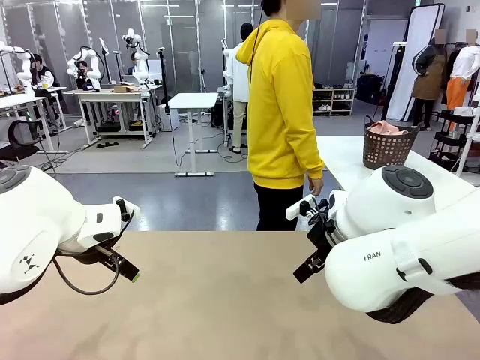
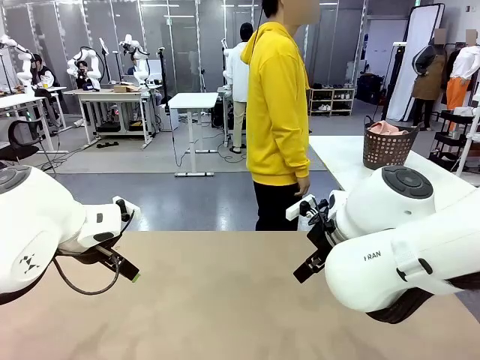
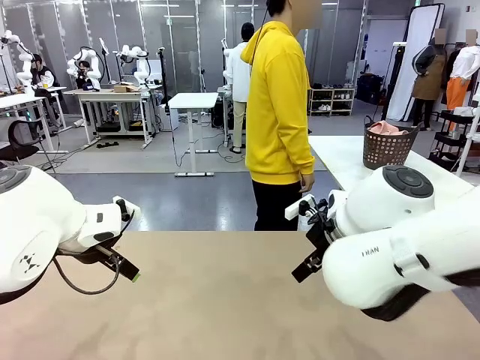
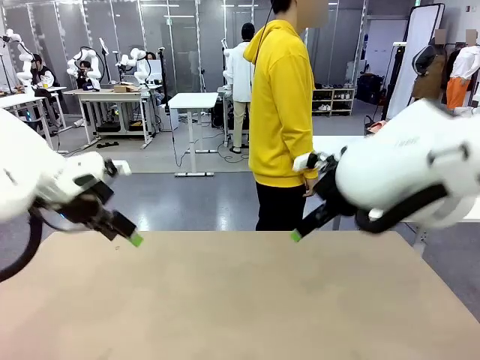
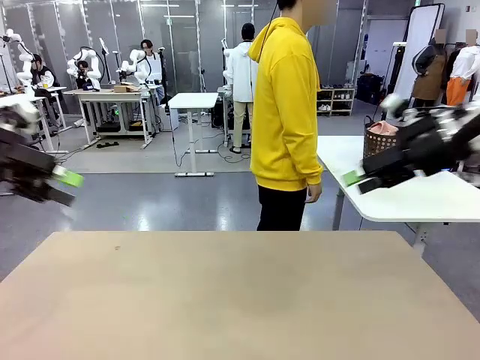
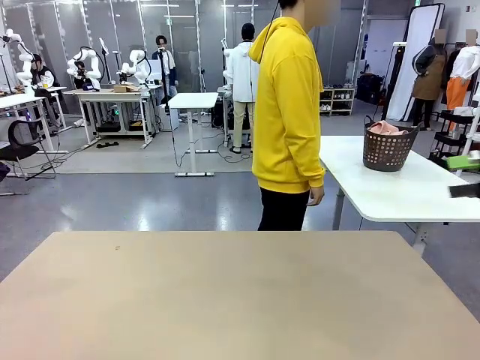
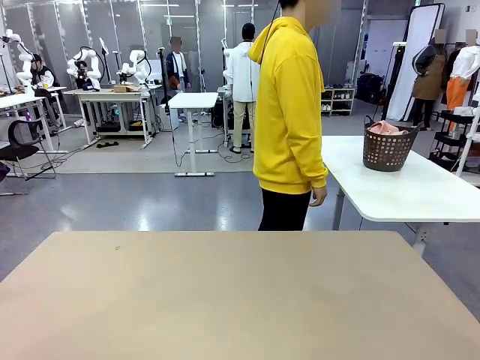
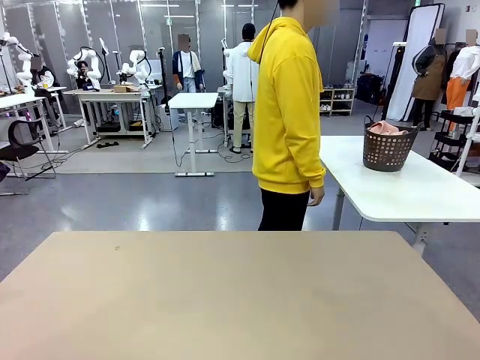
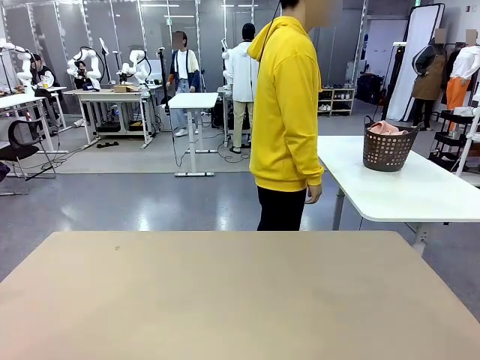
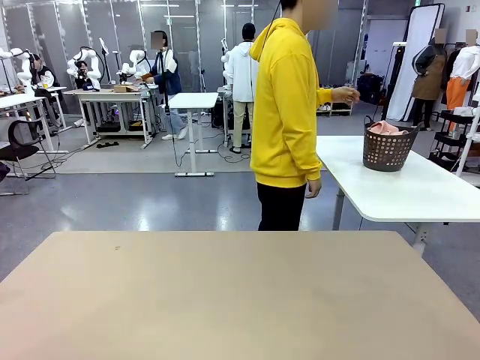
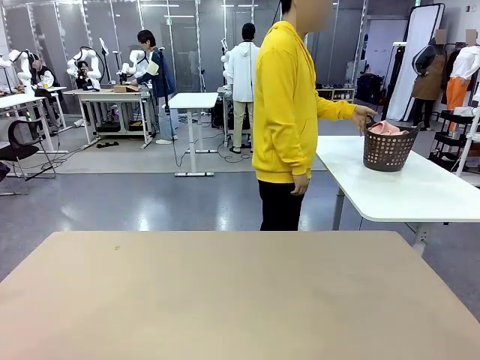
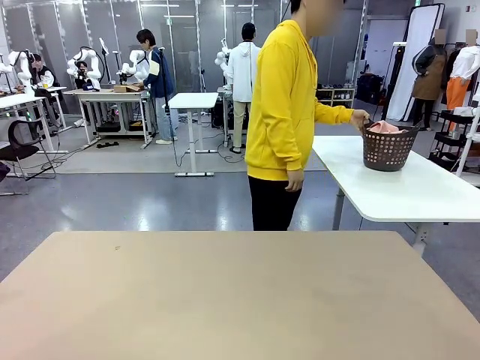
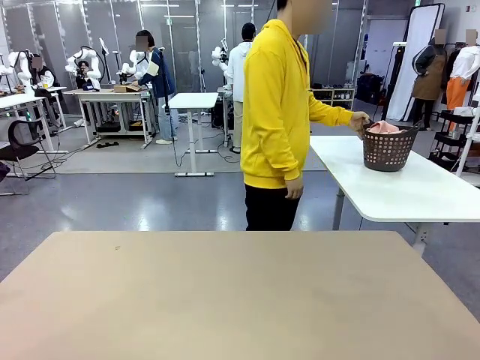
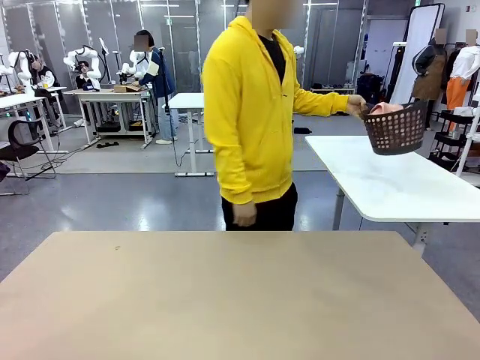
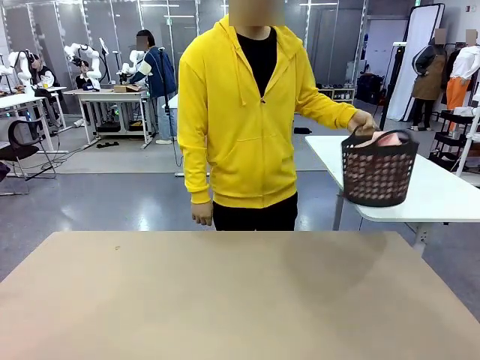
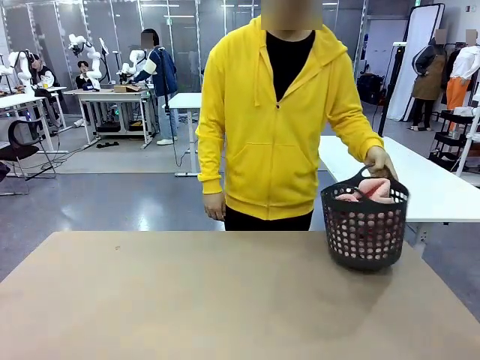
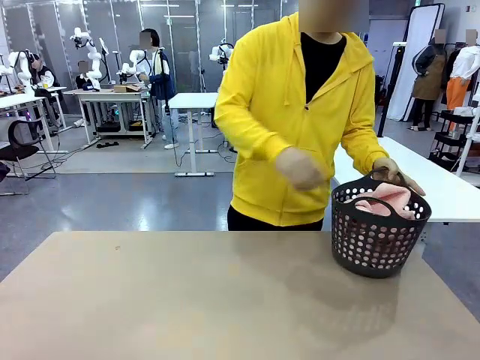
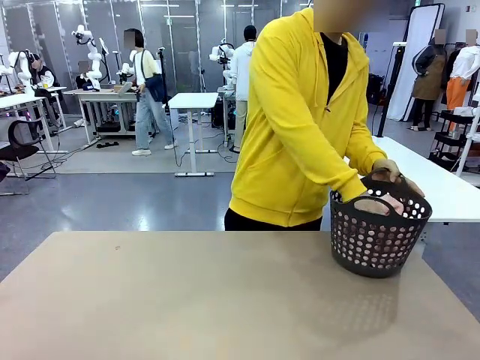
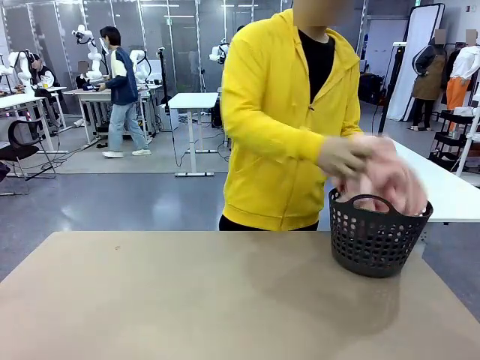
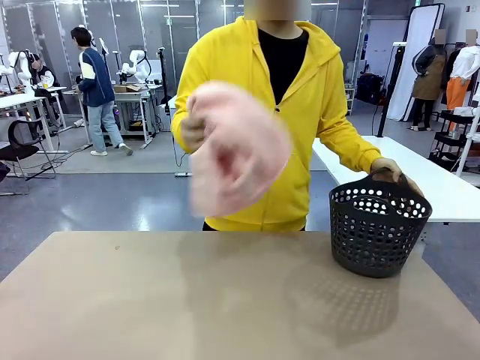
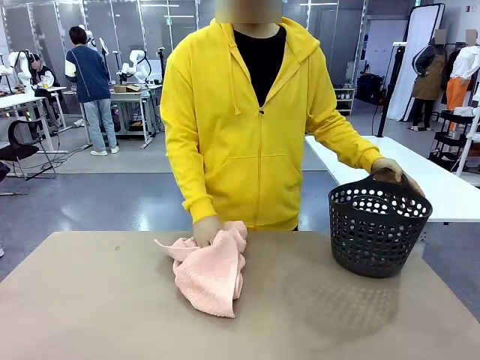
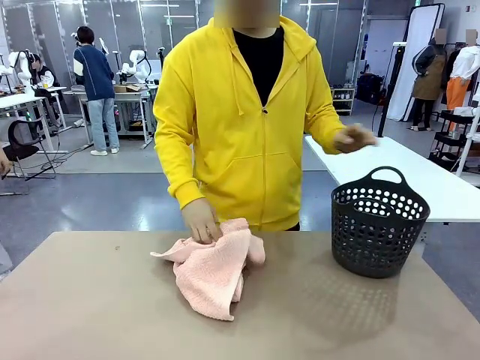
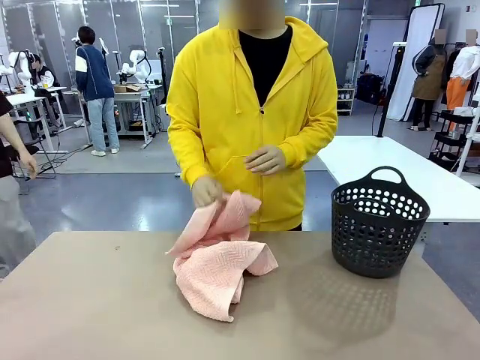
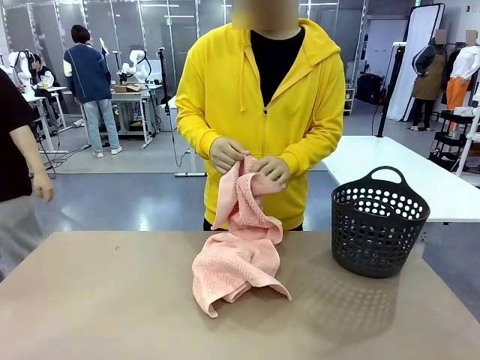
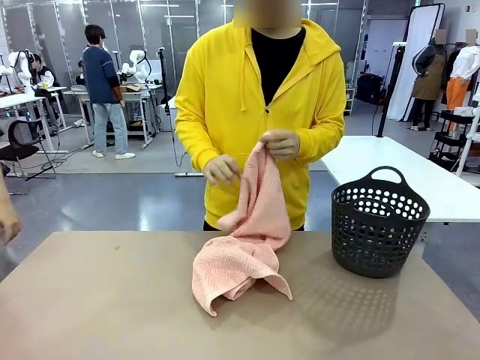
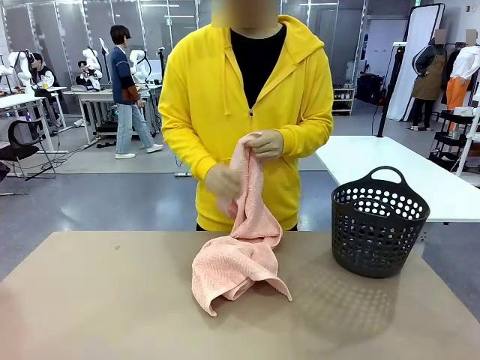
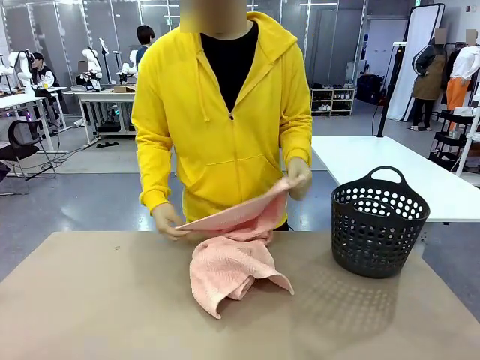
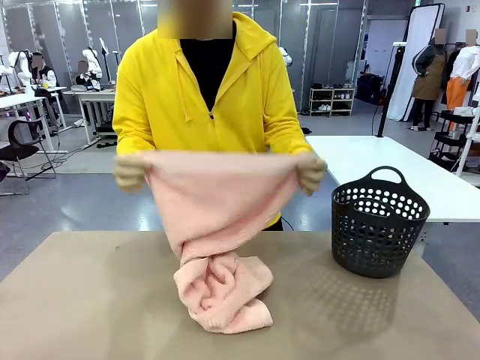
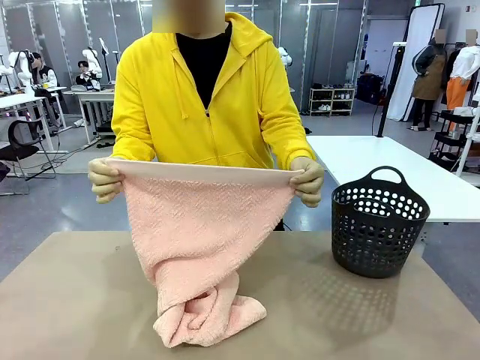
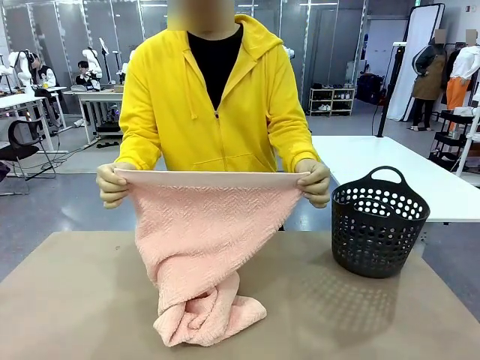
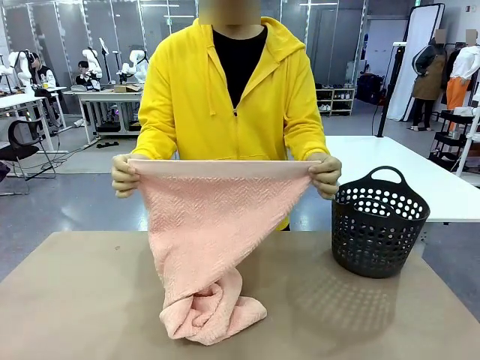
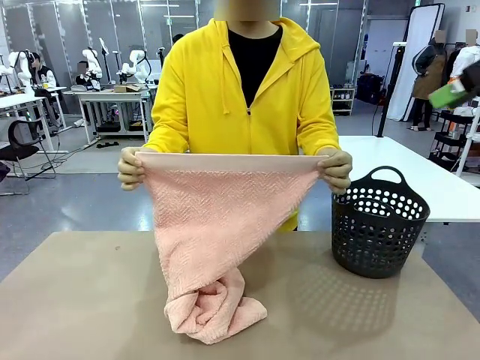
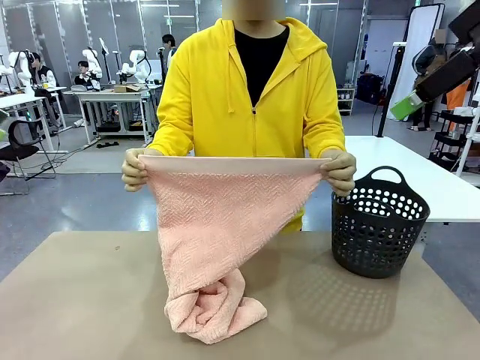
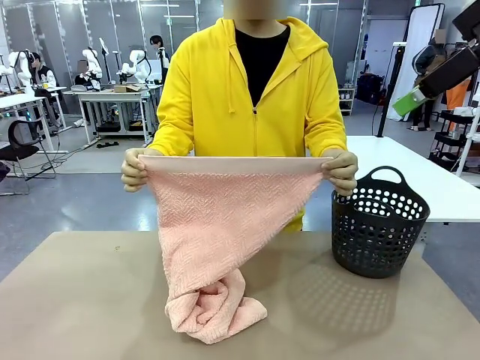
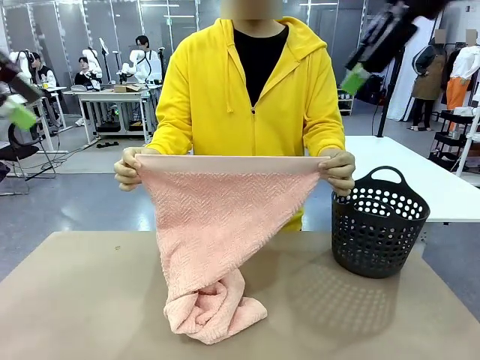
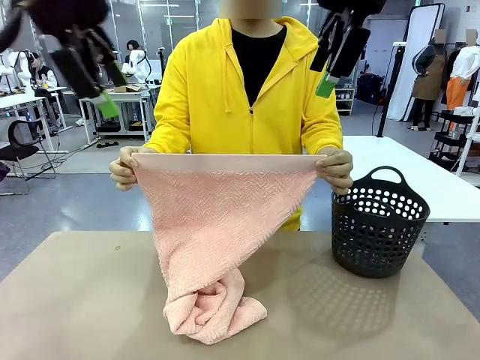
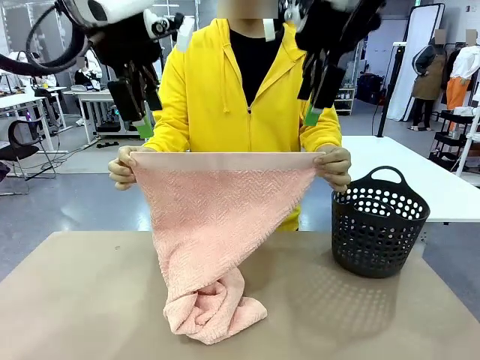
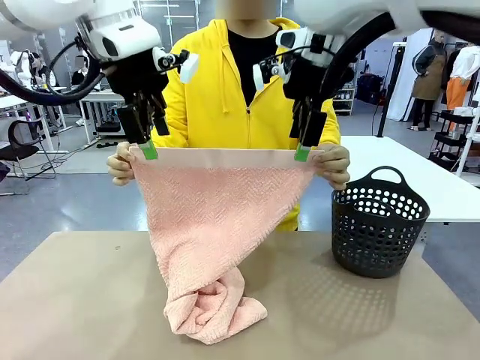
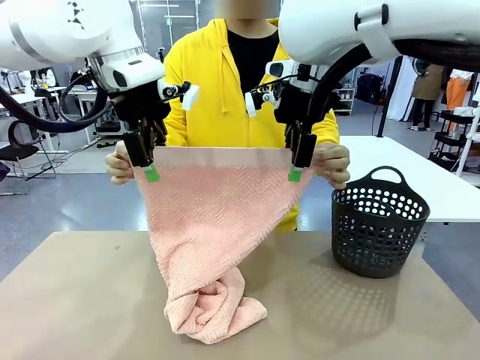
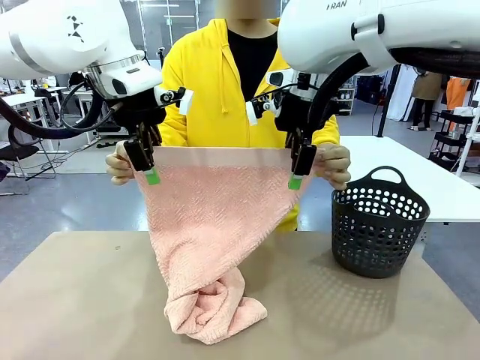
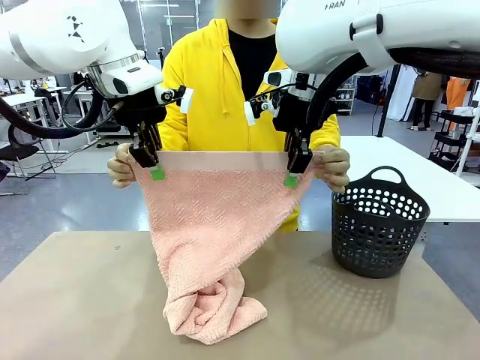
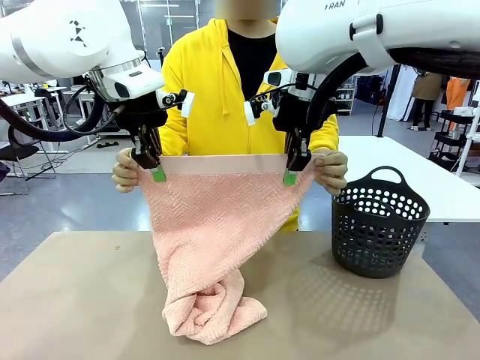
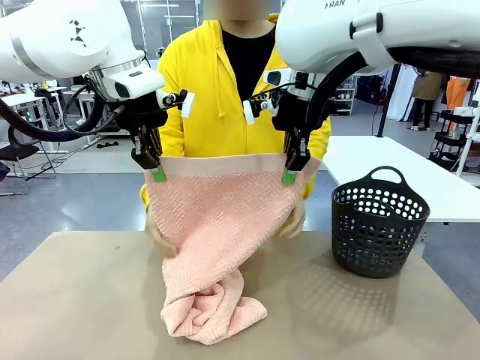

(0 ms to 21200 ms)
Task: Fold the towel.
Robot: Grab the top end of the 100 cm Hotel Towel extended by the human.
Person: Pick up the laundry basket, place it on the left side of the robot table, then take out a towel and hand it to the robot while holding both corners of one end.
